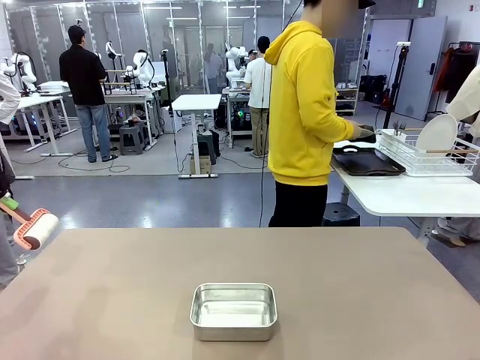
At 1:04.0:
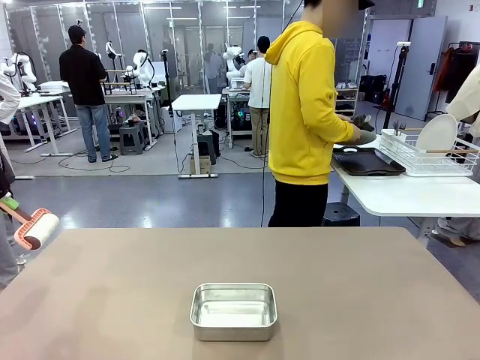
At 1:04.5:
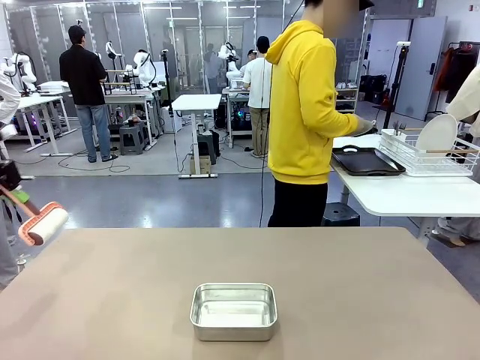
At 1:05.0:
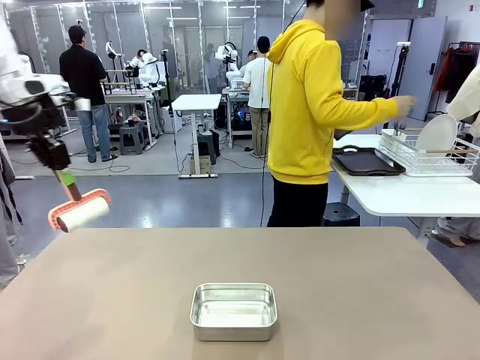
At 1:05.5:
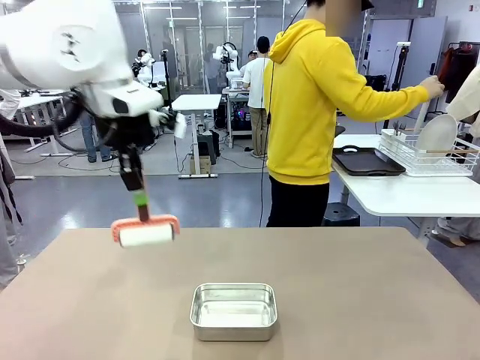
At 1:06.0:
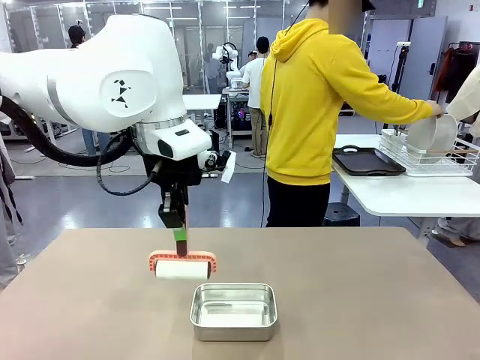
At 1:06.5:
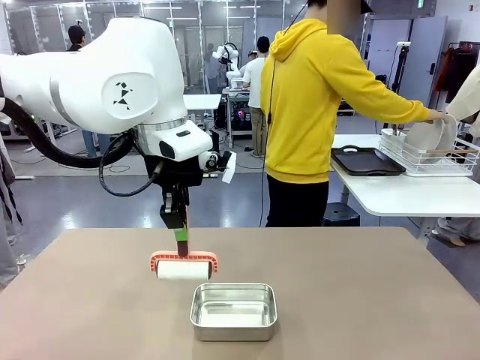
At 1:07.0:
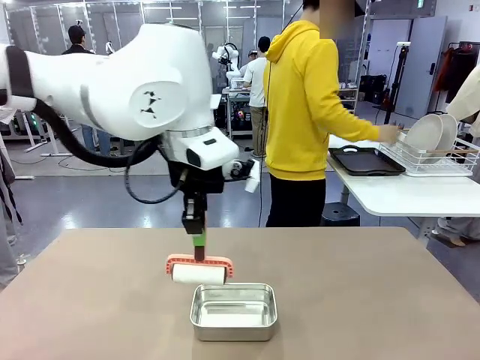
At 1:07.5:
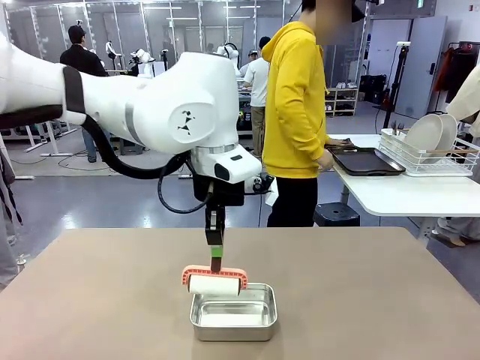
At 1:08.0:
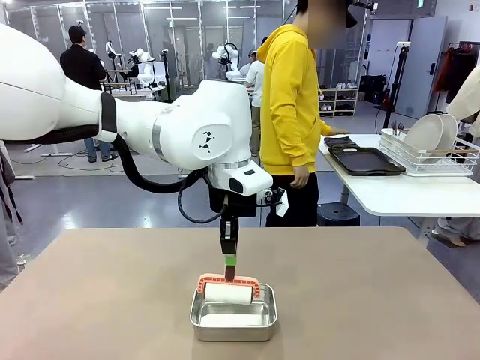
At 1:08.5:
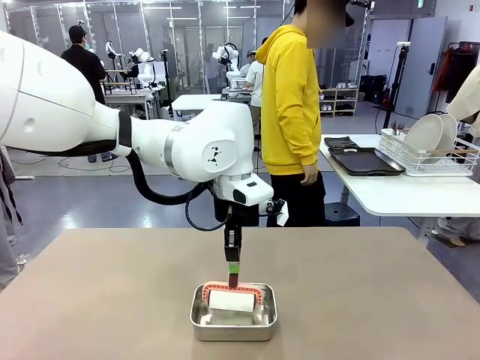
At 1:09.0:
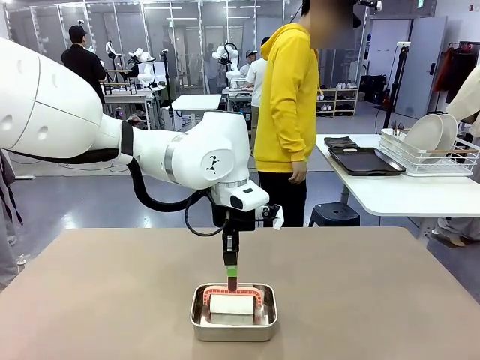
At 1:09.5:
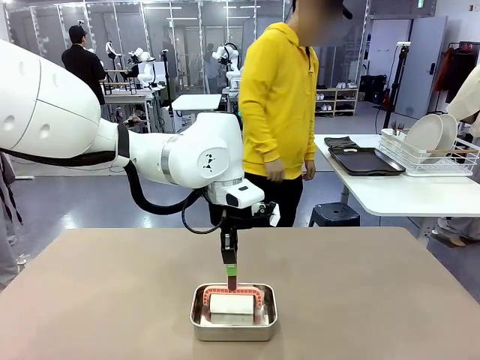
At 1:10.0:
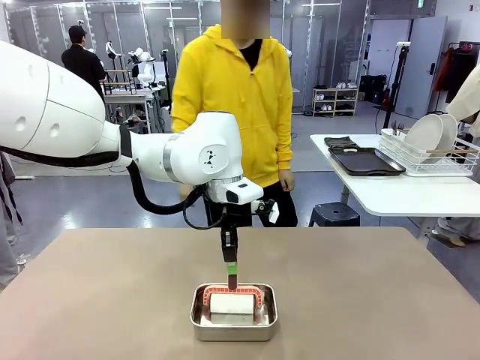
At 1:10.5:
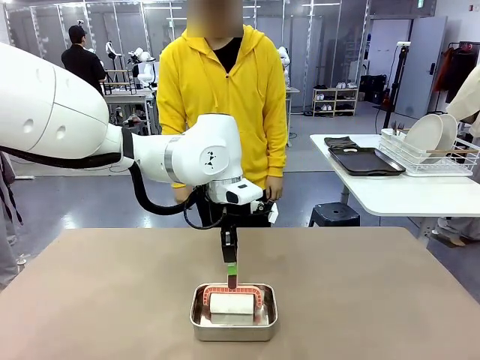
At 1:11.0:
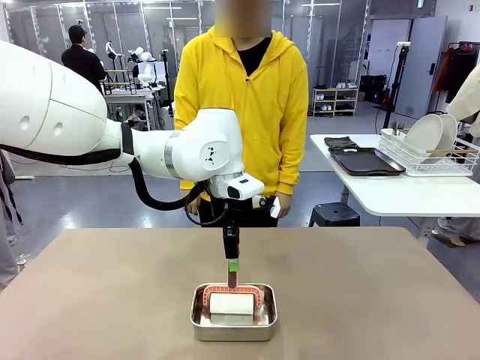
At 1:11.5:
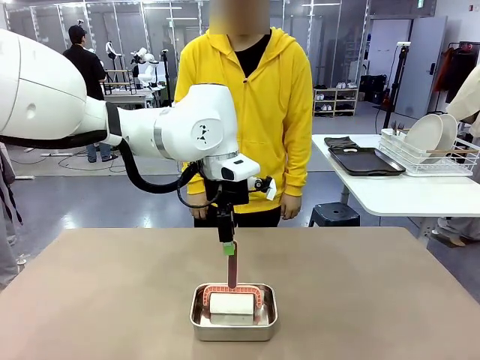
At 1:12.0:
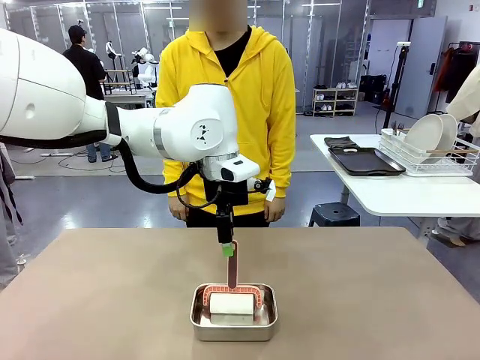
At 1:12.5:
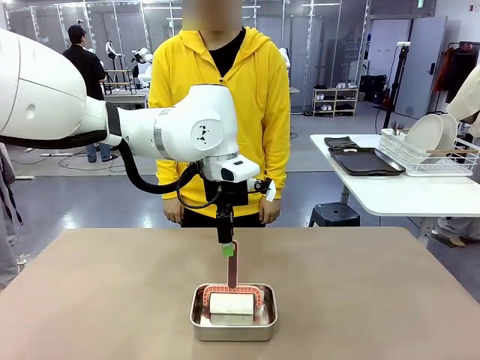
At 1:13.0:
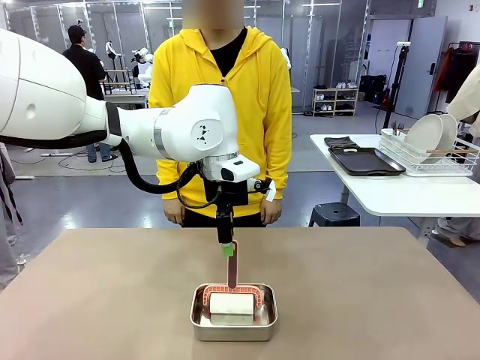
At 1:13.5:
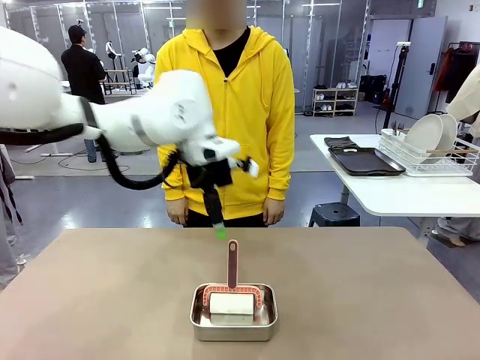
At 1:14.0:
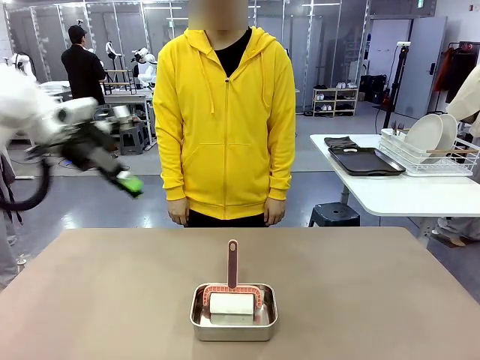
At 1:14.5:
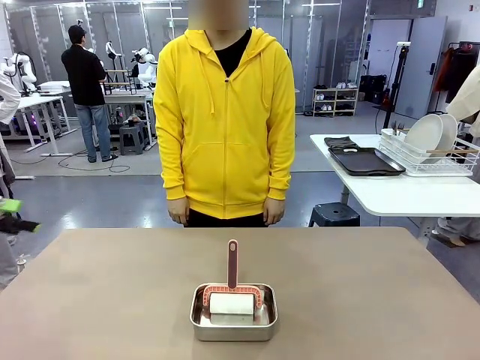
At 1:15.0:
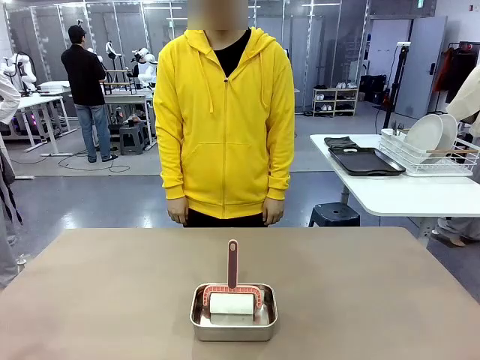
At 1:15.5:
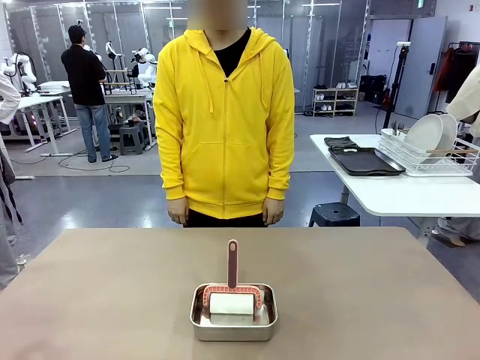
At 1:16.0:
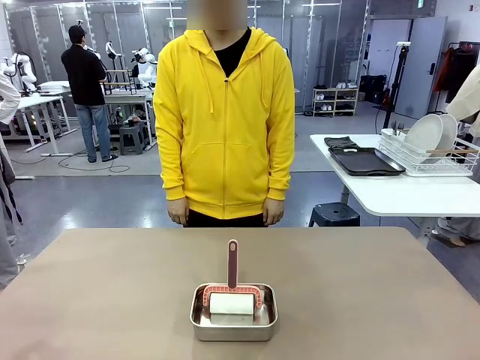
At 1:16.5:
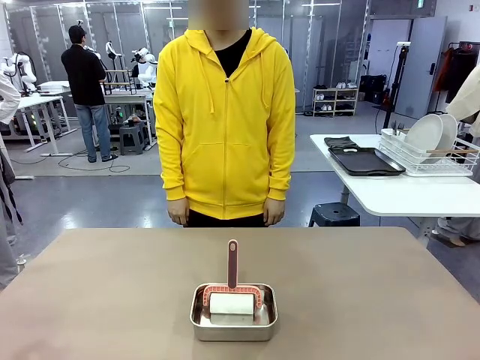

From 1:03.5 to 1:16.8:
Robot: Place the Lint Roller back on top of the Airtight Container.

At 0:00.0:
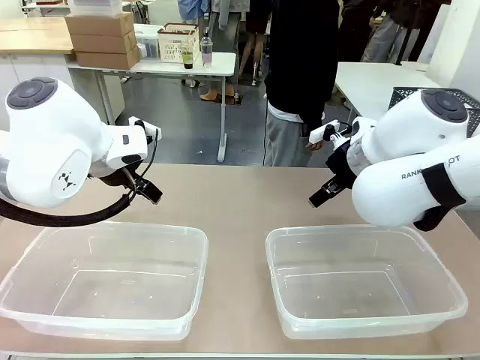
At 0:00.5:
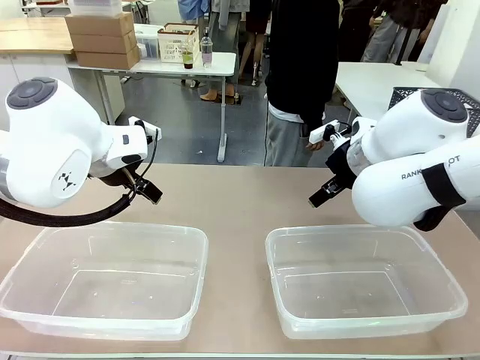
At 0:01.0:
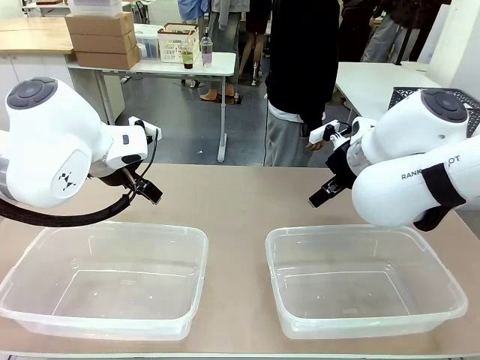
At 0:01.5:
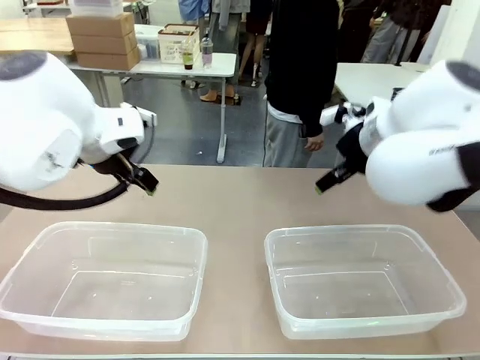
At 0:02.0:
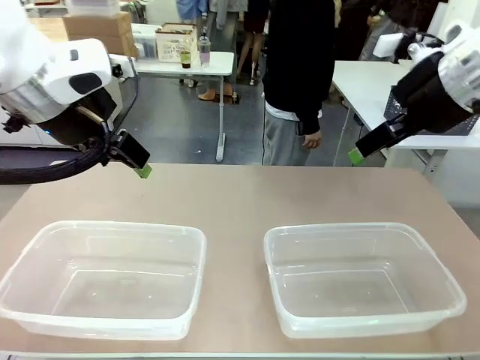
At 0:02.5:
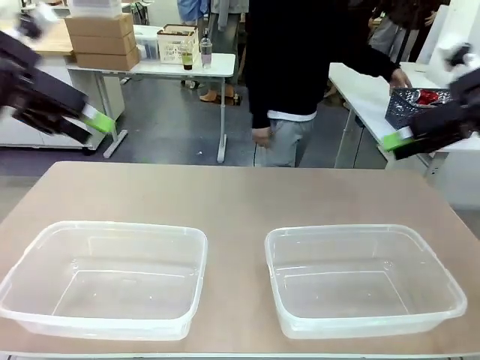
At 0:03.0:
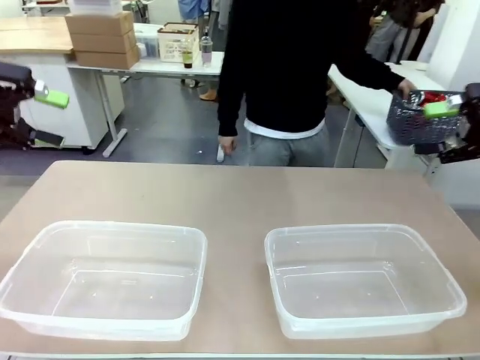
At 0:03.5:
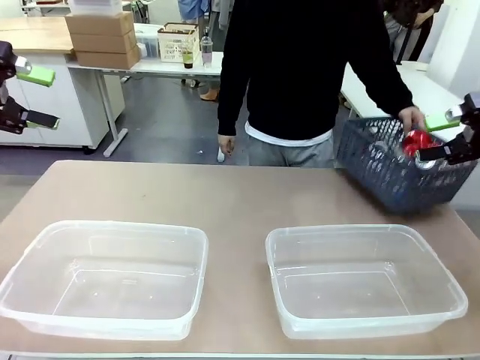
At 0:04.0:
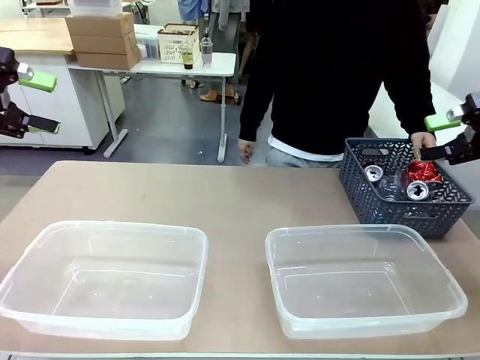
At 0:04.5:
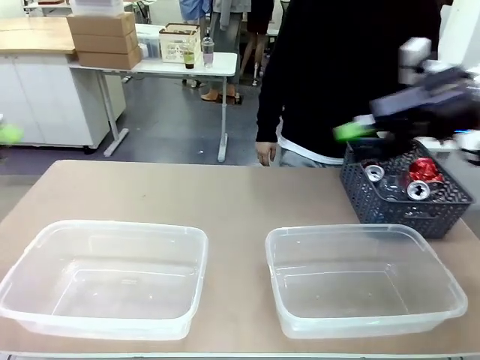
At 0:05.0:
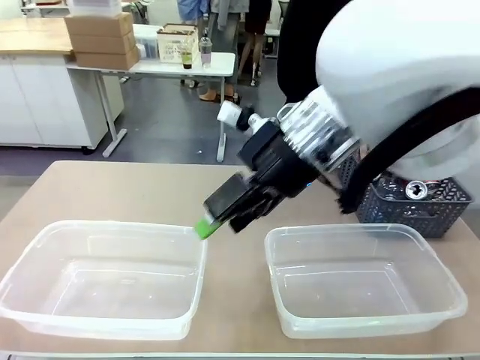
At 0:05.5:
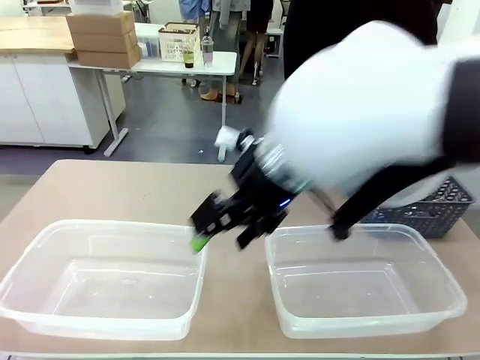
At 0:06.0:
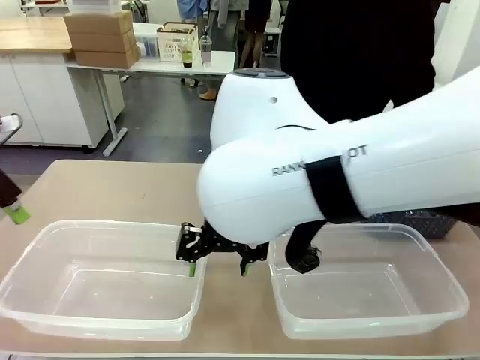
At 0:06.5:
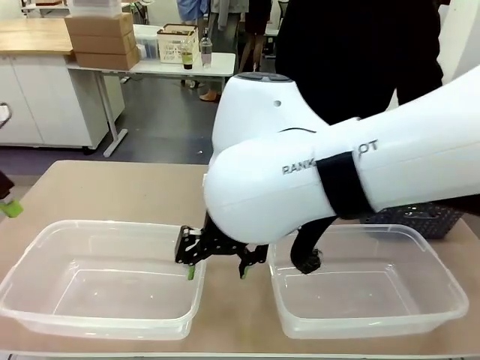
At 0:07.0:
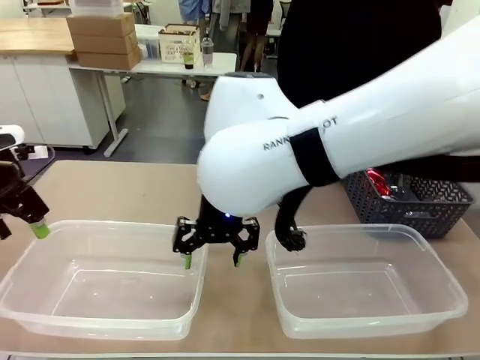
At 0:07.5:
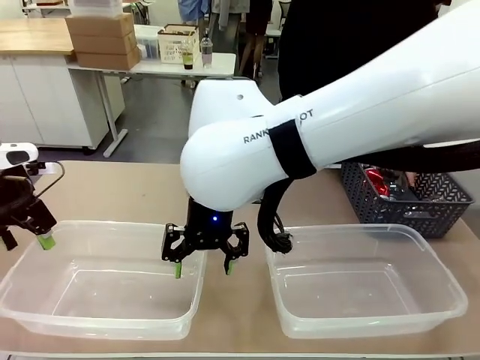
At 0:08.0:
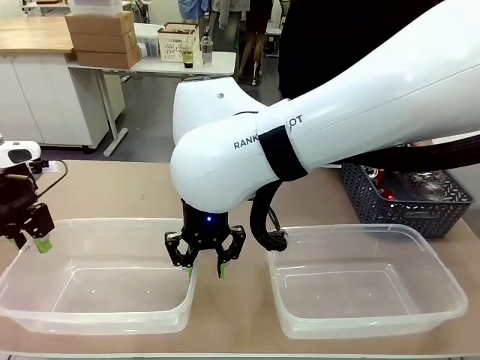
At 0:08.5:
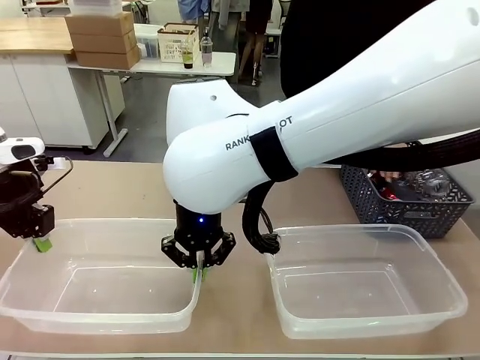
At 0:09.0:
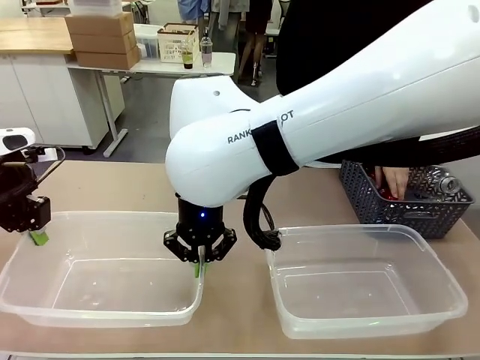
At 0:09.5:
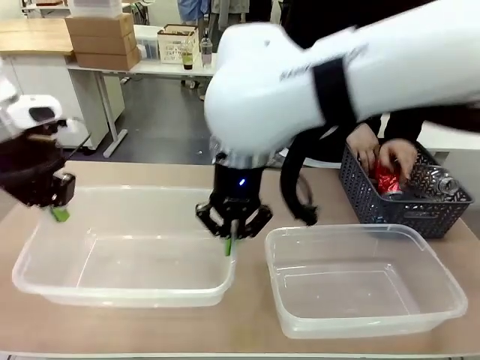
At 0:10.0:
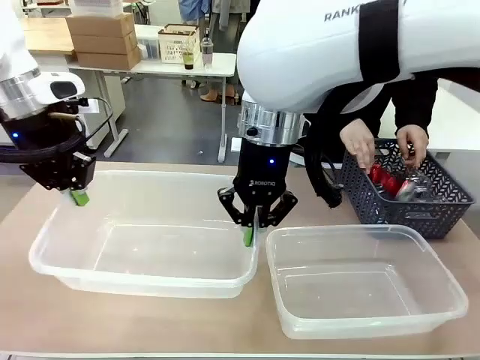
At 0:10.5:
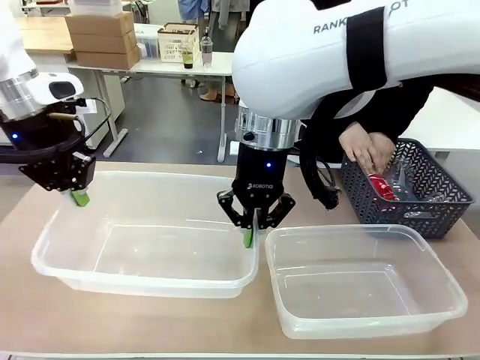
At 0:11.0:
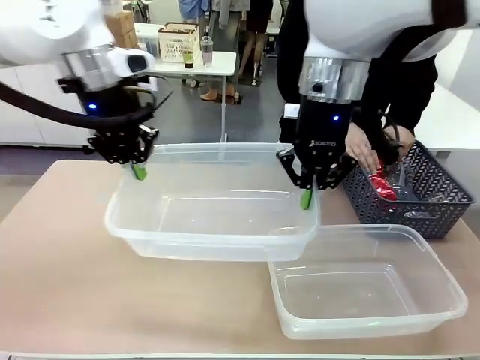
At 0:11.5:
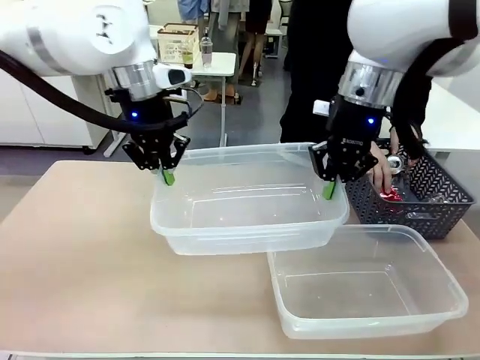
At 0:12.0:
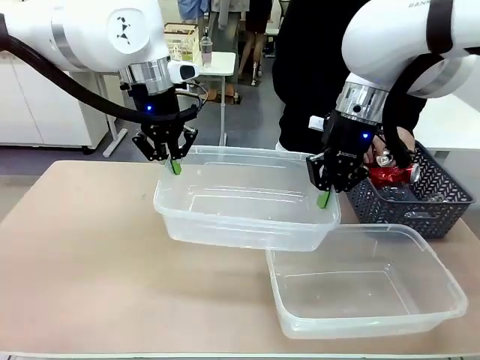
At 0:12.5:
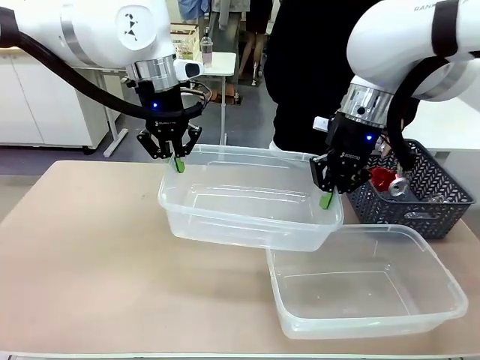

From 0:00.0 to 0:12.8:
Robot: Pick up the Organizing box on the left side of the table and lift it.
Person: Pick up the storage basket and place it on the left side of the robot table. Pick up can-shaped waste one by one and place it into the organizing box lifted by the robot.
